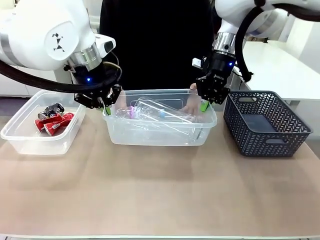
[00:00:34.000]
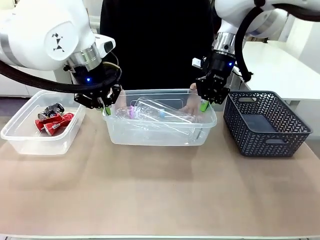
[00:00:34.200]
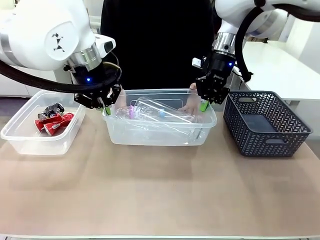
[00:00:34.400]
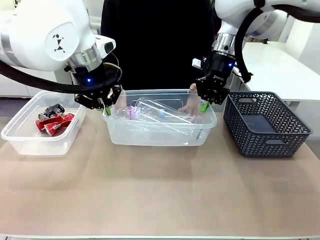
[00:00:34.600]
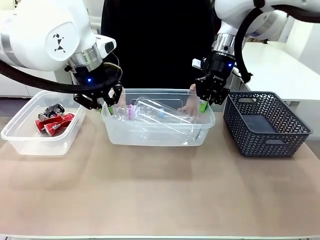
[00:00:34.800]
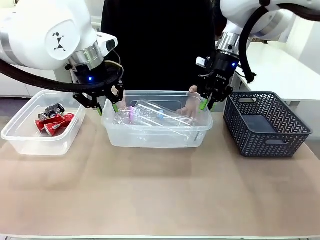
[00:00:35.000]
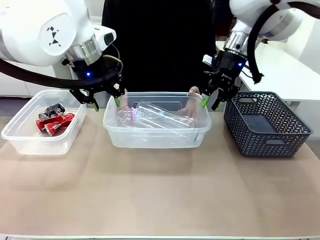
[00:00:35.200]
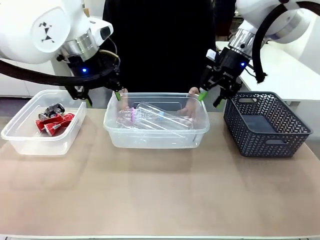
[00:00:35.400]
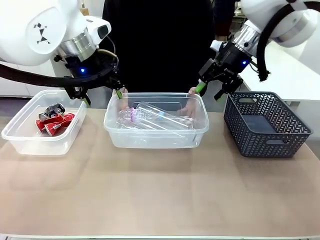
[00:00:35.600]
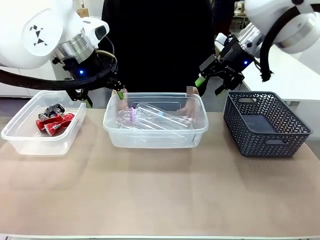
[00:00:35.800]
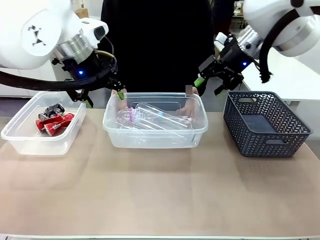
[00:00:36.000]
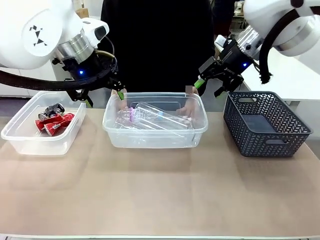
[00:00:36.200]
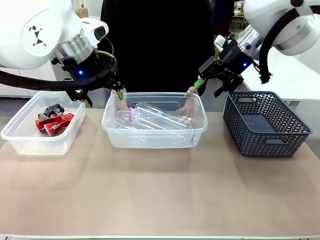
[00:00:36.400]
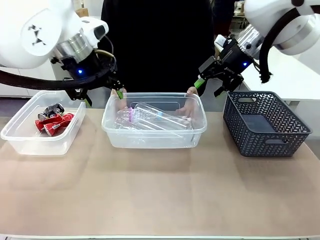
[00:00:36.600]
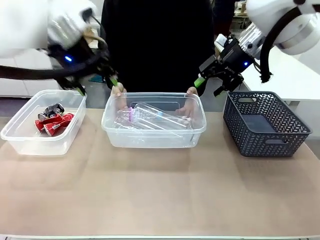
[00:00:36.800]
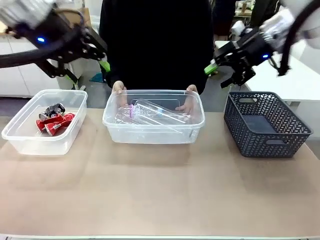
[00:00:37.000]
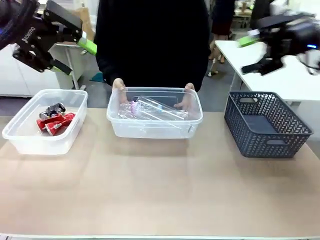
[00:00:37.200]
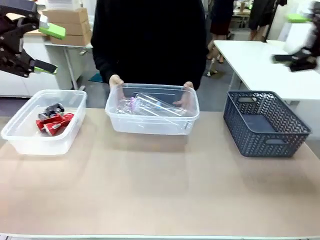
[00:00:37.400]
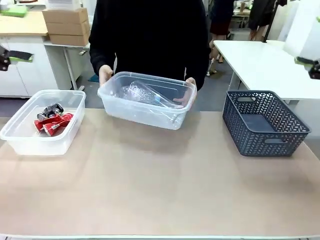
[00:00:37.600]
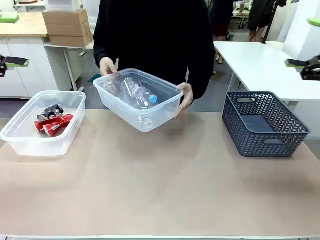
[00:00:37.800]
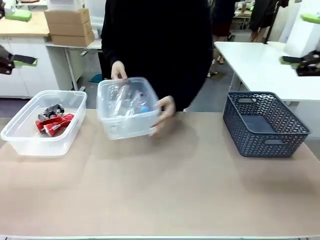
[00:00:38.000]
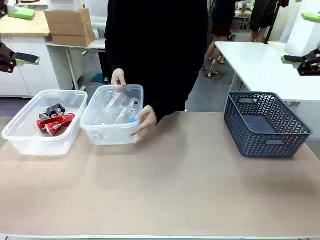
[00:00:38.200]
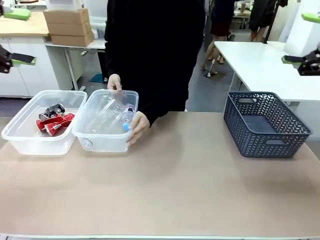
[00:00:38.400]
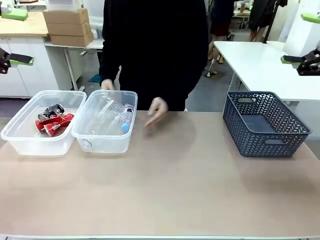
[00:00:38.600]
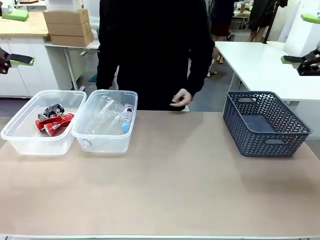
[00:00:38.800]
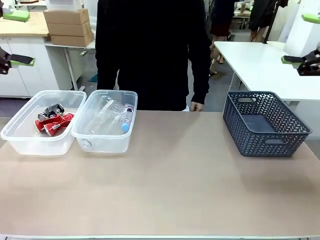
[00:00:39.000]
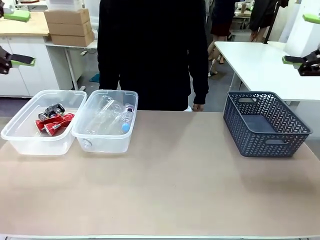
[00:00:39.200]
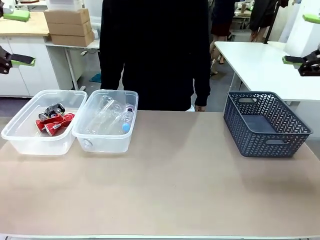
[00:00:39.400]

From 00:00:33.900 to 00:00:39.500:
Robot: Release the Organizing box you were holding.
Person: Pick up the organizing box extended by the robot. Place the organizing box to the left of the sorting box containing the can waste.

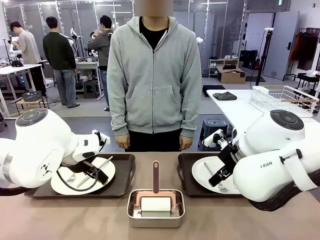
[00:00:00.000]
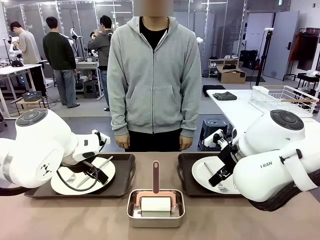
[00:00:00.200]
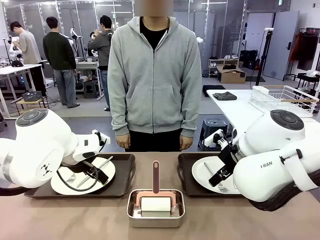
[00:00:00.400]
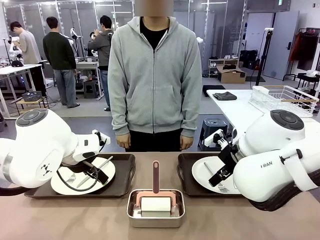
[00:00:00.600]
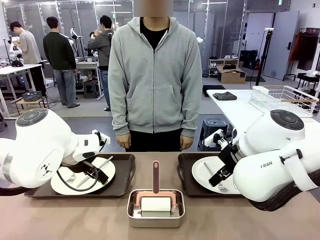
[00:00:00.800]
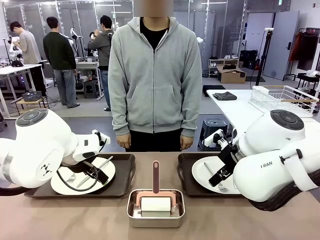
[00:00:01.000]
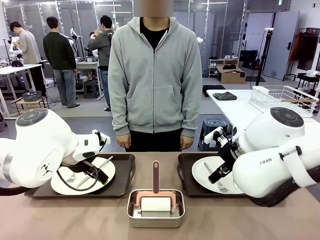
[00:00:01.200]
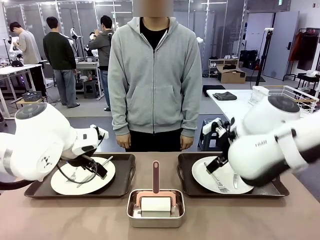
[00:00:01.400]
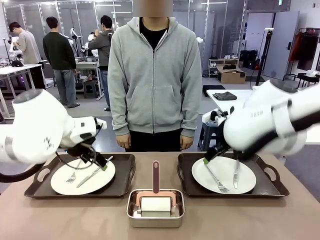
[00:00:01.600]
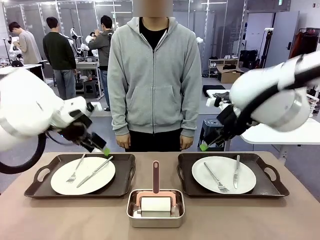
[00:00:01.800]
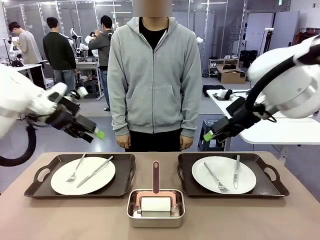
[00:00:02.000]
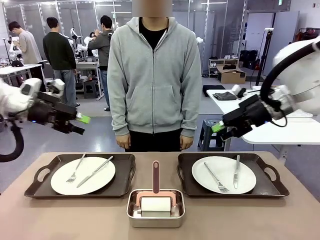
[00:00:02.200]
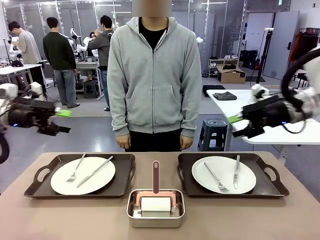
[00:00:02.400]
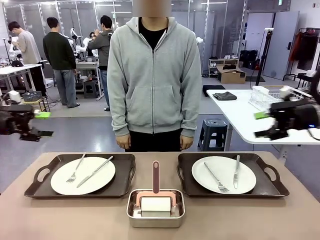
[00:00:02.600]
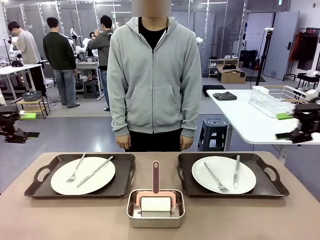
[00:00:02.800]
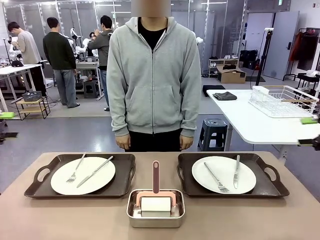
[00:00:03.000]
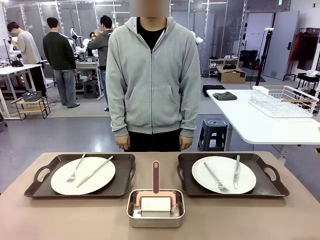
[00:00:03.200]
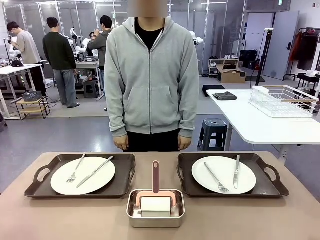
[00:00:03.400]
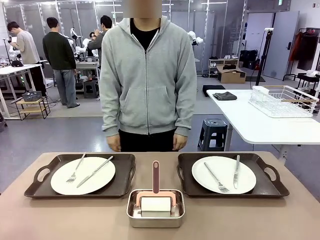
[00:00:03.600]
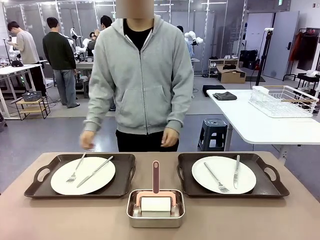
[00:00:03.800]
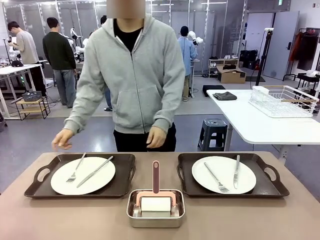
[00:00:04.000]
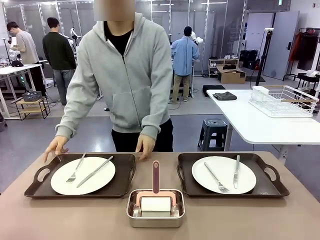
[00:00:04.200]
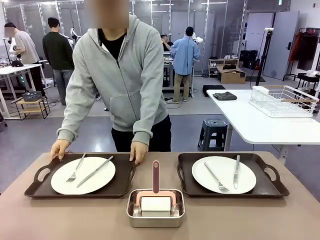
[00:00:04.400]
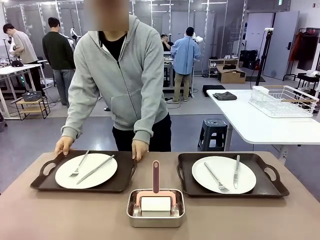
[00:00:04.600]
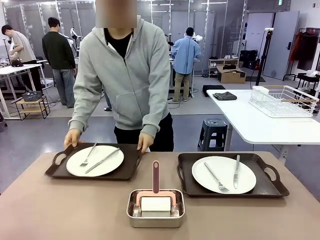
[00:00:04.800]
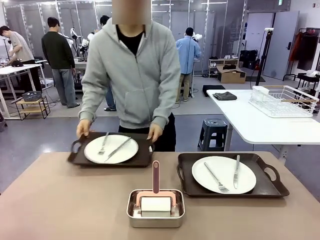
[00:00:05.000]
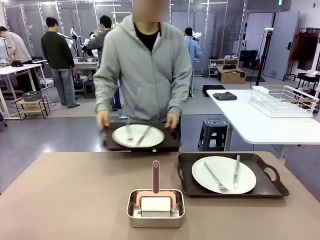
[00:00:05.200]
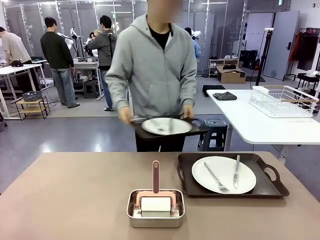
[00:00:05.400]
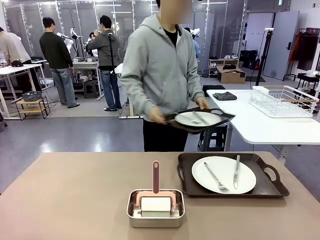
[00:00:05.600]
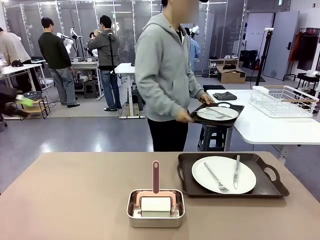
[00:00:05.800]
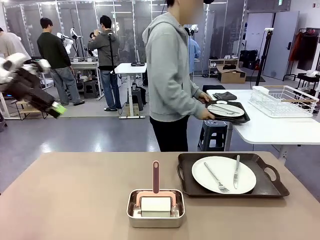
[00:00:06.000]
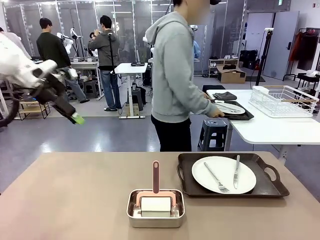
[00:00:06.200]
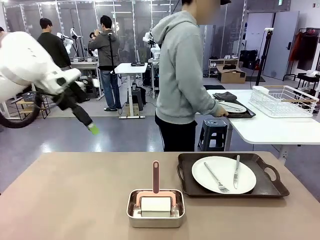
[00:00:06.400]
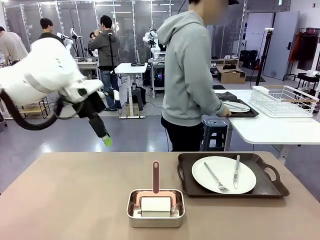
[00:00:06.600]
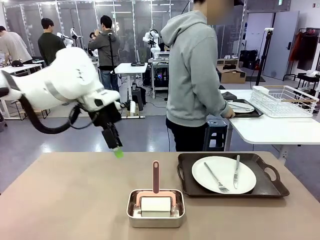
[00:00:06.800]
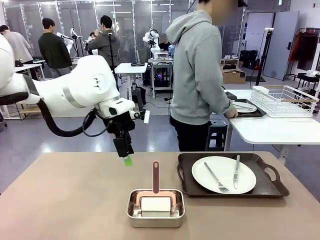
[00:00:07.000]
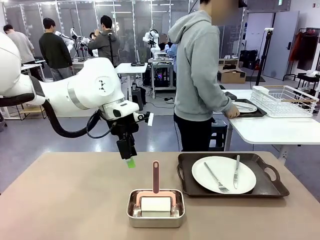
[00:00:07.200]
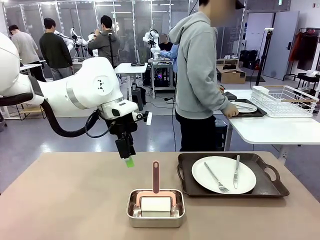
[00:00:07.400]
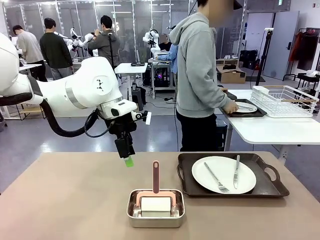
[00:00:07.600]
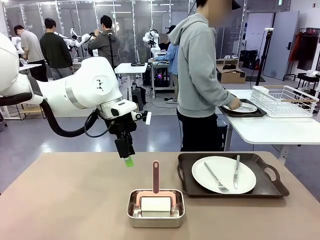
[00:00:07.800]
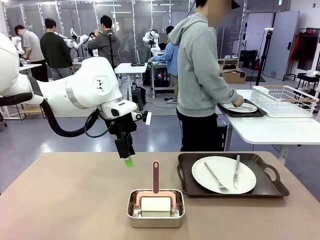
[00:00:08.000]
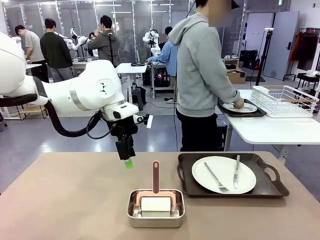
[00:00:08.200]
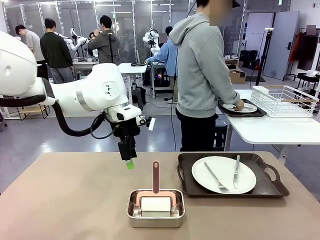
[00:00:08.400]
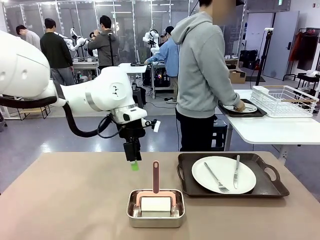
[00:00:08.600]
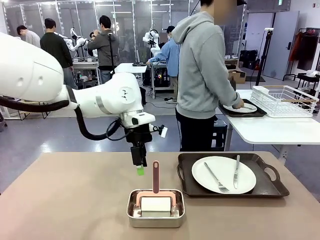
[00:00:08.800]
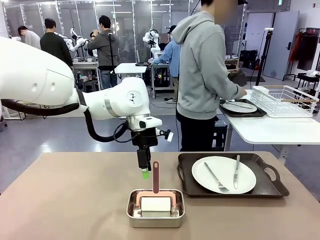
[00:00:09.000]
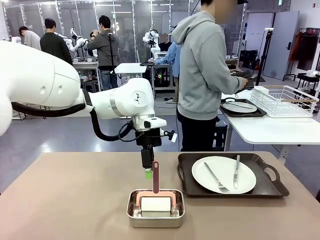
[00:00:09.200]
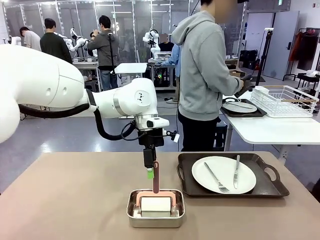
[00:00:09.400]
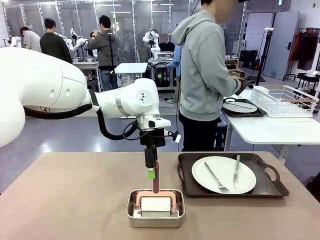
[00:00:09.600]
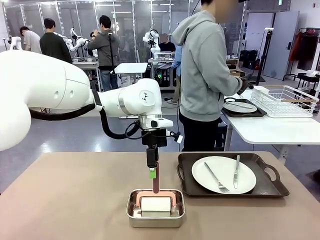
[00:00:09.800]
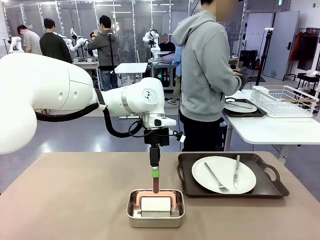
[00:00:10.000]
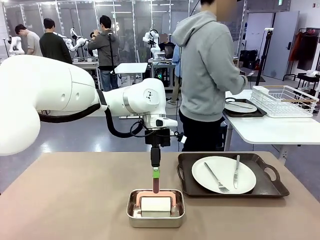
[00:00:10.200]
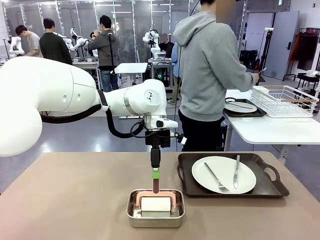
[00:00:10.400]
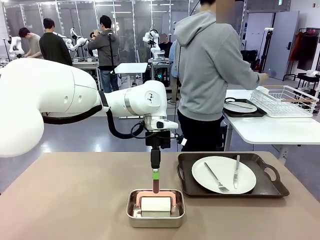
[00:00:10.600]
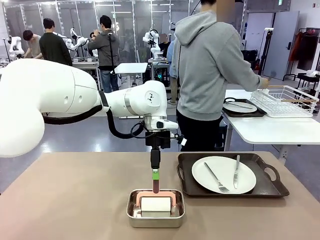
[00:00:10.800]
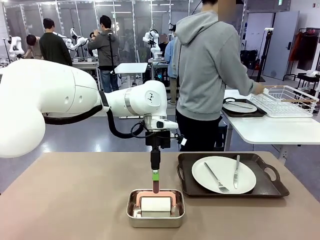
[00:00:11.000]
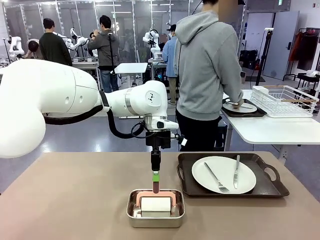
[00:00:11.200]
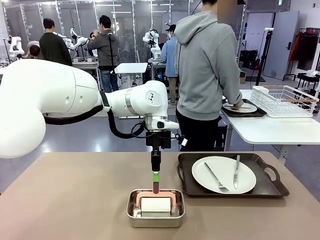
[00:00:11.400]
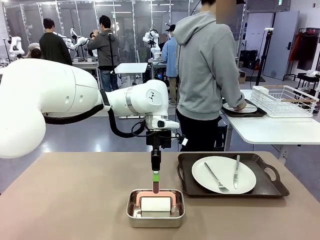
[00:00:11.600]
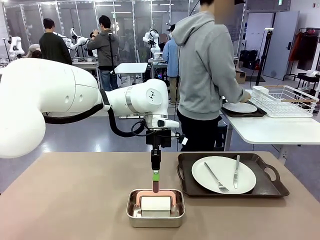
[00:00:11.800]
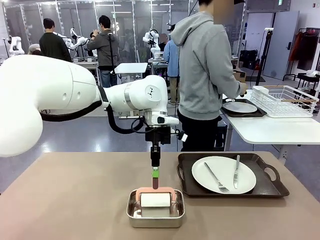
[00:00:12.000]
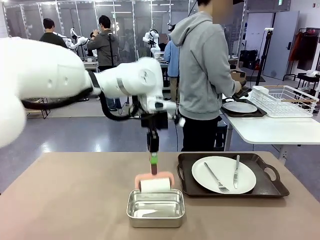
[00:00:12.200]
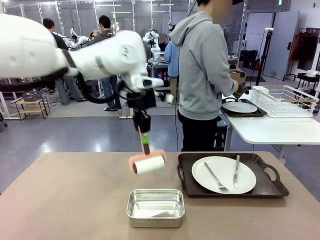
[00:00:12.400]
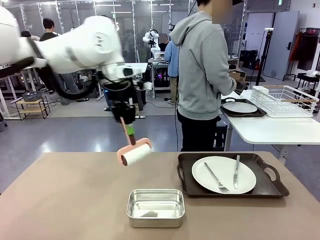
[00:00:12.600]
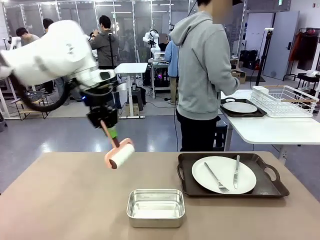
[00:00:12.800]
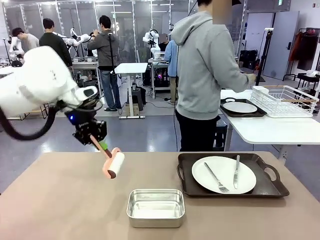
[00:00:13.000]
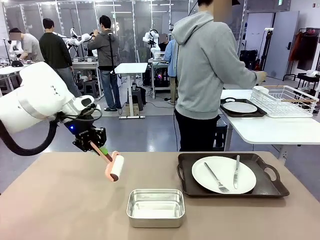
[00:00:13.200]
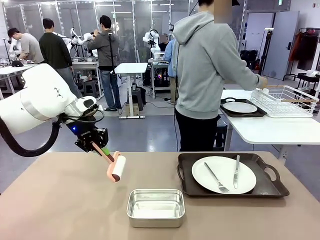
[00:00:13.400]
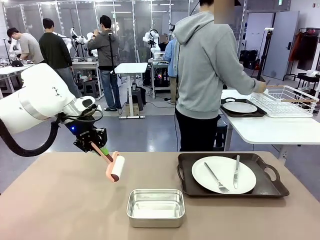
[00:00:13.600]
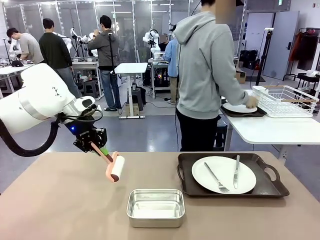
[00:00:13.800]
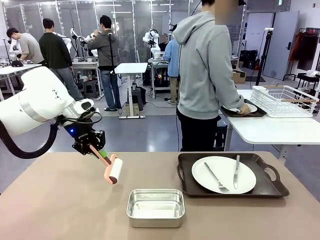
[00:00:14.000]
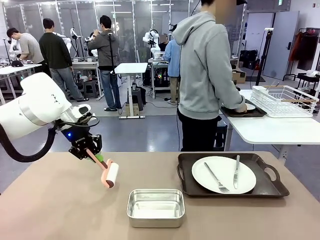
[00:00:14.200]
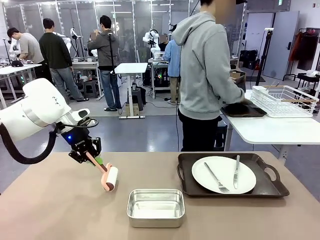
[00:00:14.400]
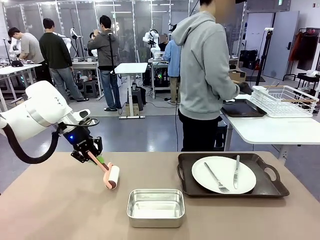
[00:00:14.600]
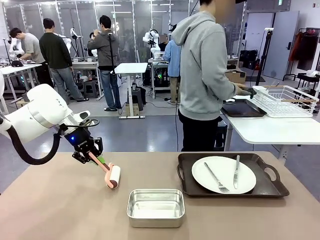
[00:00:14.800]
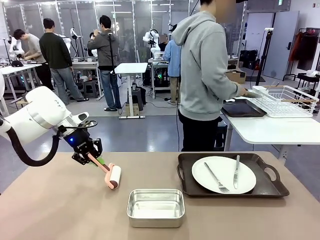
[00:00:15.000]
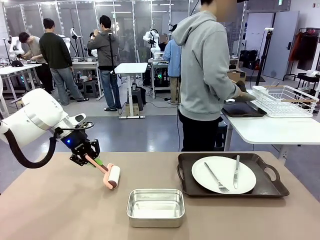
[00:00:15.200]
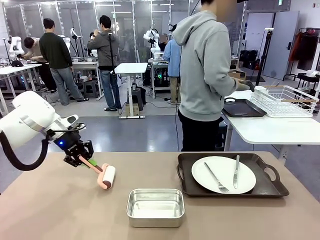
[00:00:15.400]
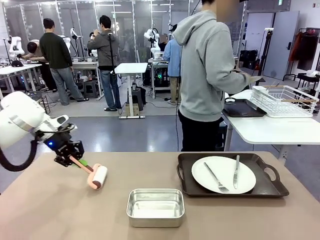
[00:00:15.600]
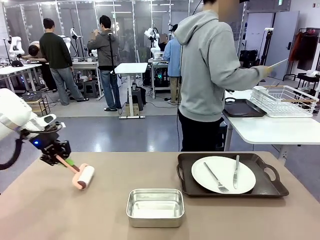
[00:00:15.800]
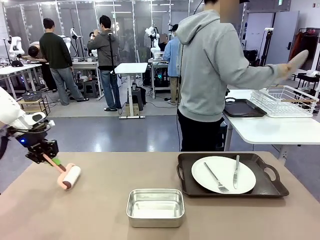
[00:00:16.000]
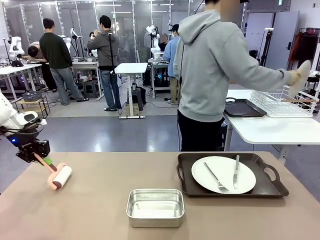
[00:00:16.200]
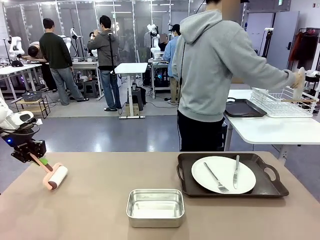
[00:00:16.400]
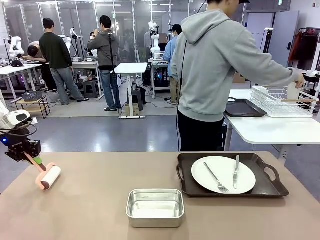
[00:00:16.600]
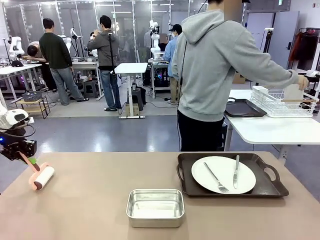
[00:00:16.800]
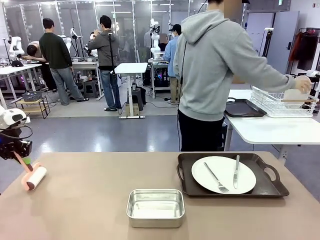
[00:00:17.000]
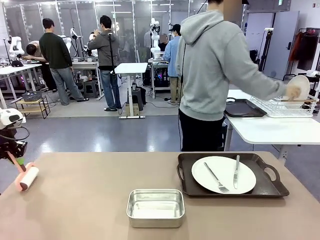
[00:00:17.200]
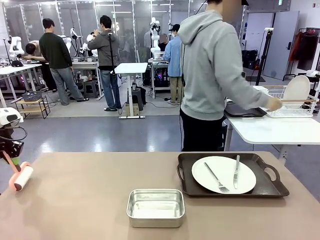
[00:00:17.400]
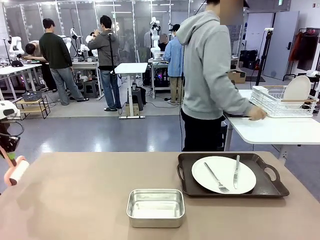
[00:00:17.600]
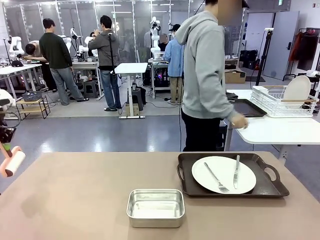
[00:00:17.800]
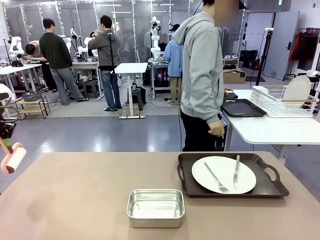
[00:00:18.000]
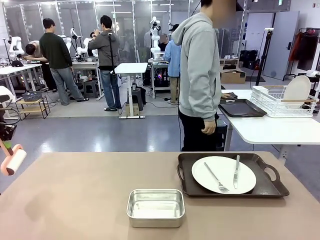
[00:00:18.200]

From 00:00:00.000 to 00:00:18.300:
Robot: When the left (or right) Handle tray is removed, use the left hand (or right hand) to clean the left (or right) side of the table with the Lint Roller.
Person: Pick up the left (or right) Handle tray and place it on the middle of the Human's table. Use the Towel with hook to wipe the Plastic Matte Plate , Fork , and Knife and place into the Dish drying rack.
